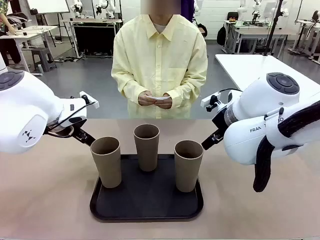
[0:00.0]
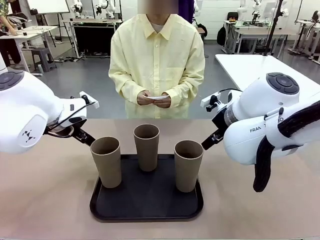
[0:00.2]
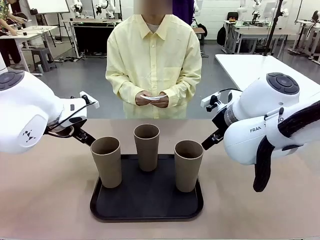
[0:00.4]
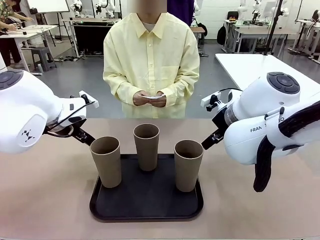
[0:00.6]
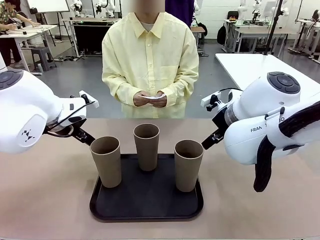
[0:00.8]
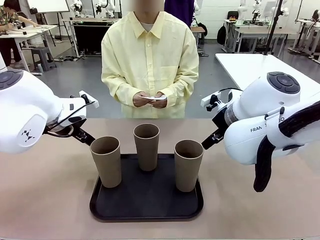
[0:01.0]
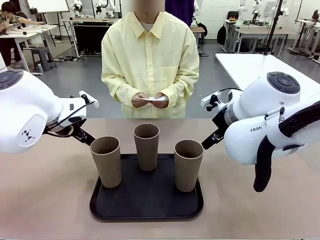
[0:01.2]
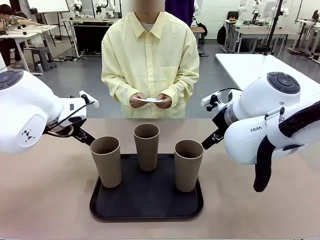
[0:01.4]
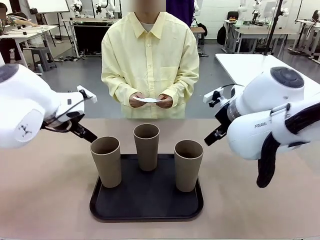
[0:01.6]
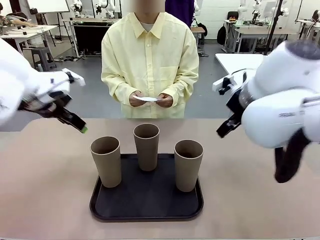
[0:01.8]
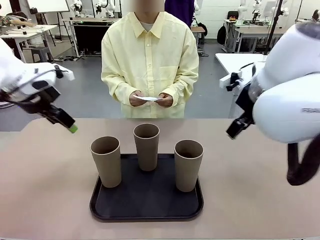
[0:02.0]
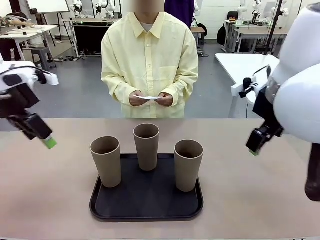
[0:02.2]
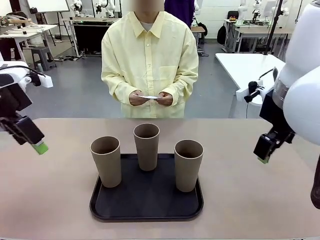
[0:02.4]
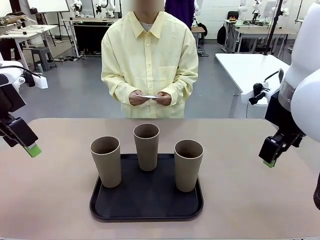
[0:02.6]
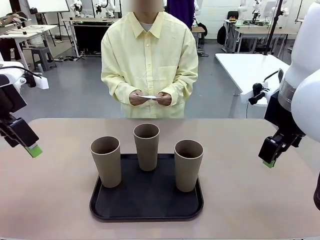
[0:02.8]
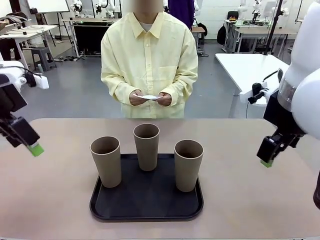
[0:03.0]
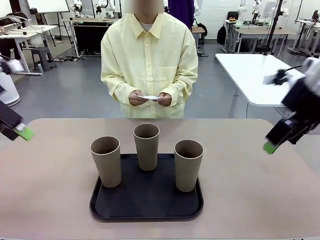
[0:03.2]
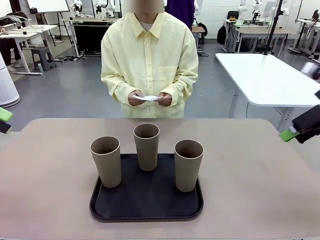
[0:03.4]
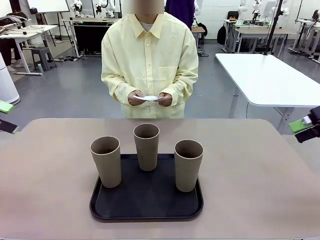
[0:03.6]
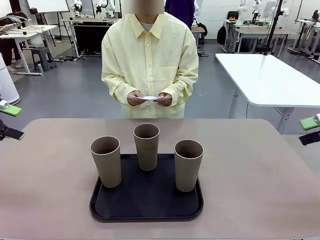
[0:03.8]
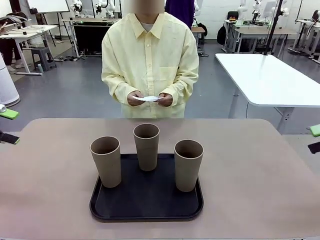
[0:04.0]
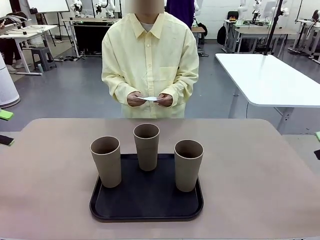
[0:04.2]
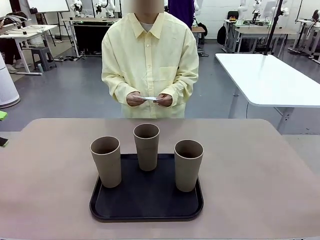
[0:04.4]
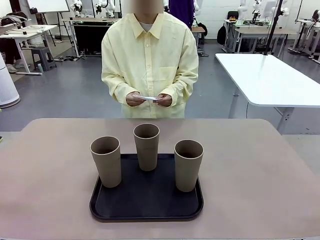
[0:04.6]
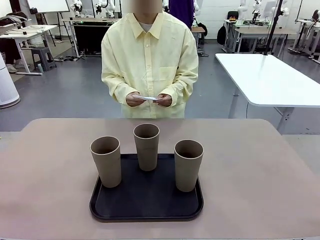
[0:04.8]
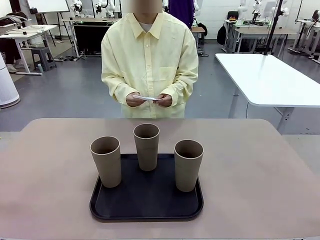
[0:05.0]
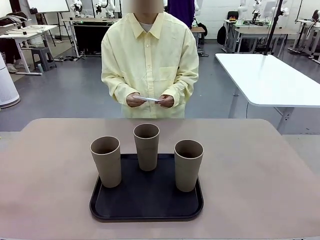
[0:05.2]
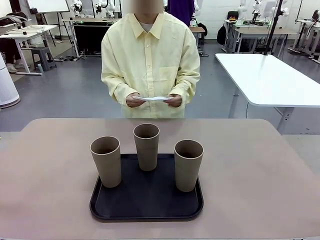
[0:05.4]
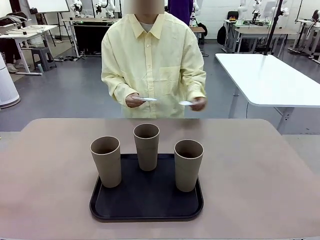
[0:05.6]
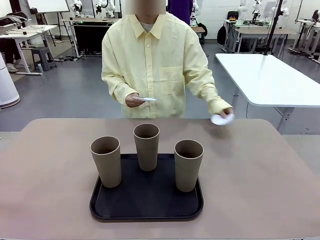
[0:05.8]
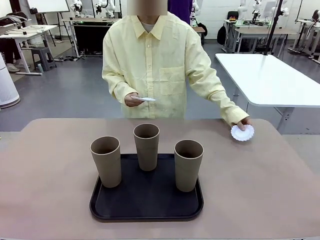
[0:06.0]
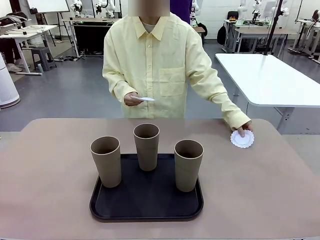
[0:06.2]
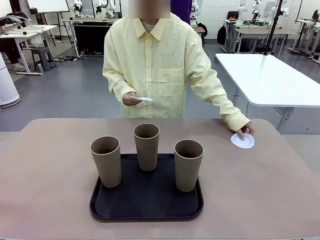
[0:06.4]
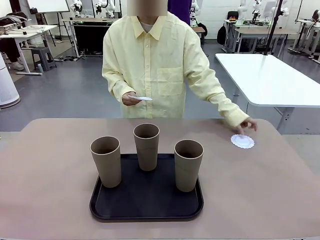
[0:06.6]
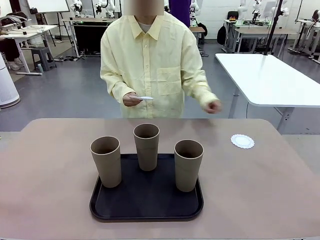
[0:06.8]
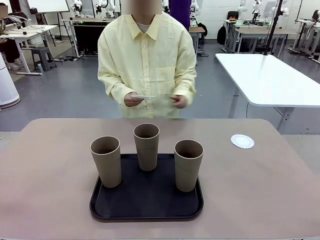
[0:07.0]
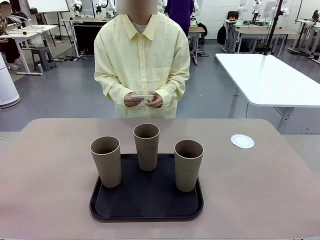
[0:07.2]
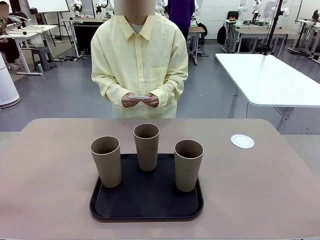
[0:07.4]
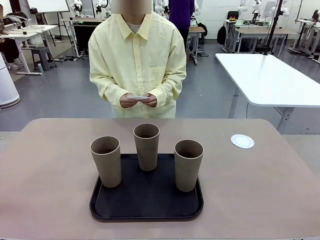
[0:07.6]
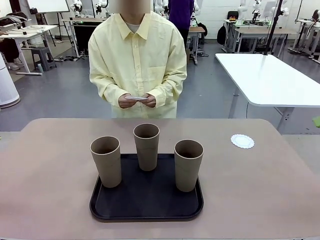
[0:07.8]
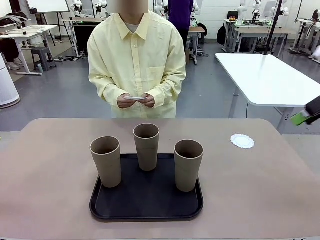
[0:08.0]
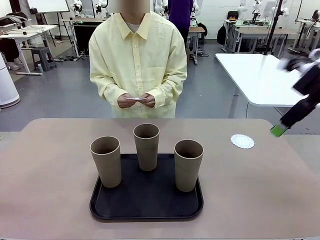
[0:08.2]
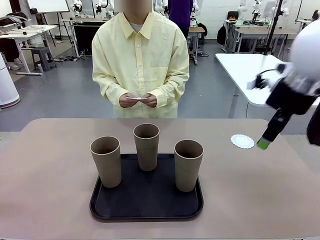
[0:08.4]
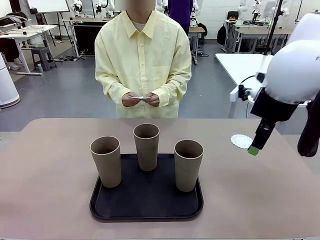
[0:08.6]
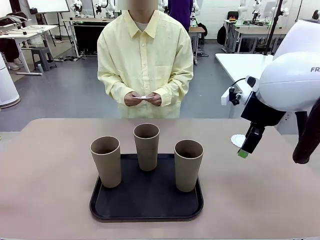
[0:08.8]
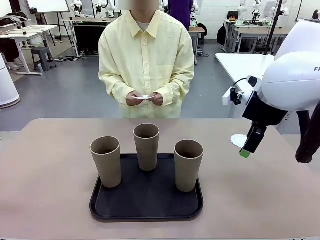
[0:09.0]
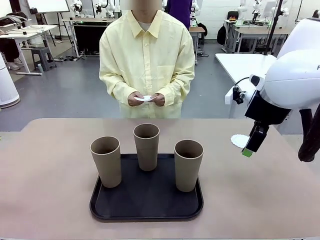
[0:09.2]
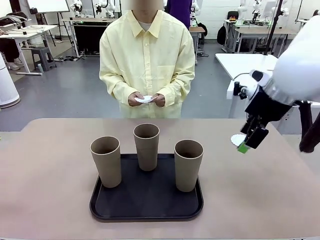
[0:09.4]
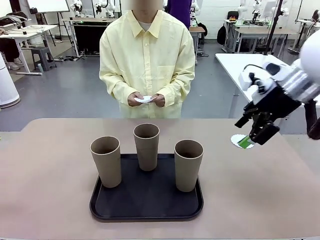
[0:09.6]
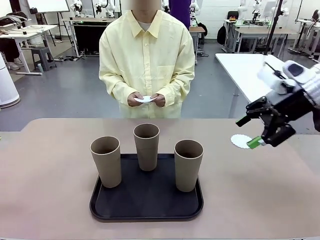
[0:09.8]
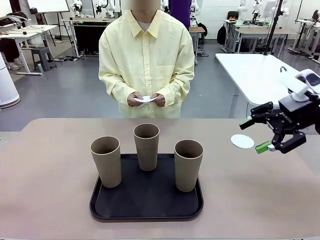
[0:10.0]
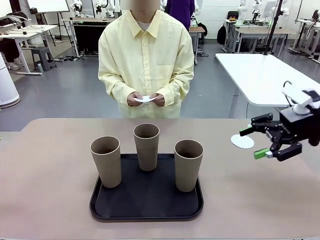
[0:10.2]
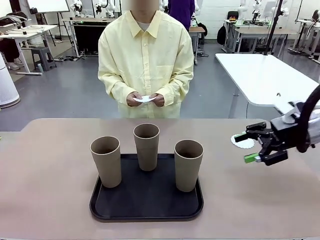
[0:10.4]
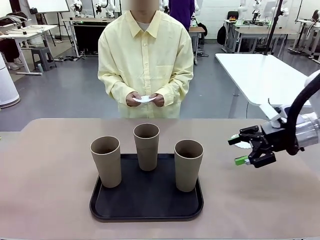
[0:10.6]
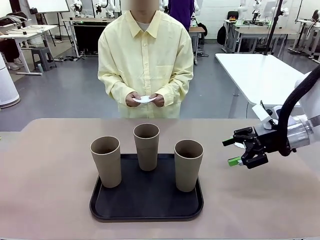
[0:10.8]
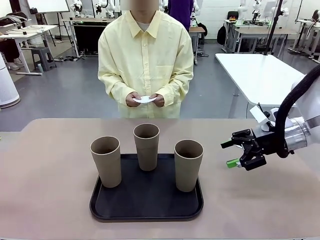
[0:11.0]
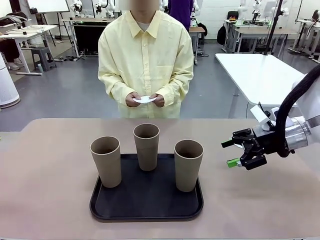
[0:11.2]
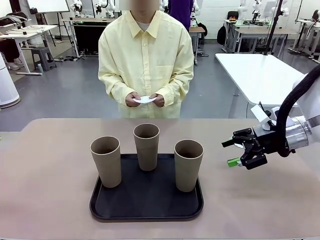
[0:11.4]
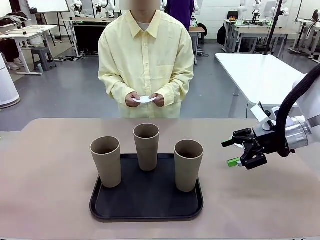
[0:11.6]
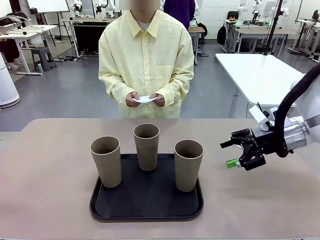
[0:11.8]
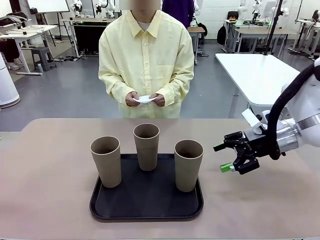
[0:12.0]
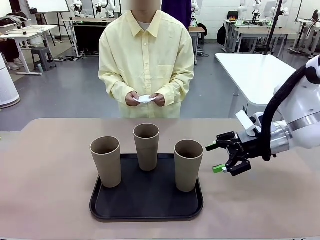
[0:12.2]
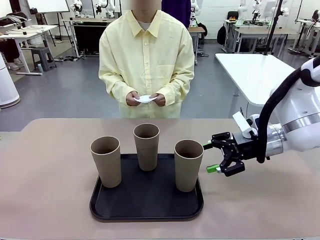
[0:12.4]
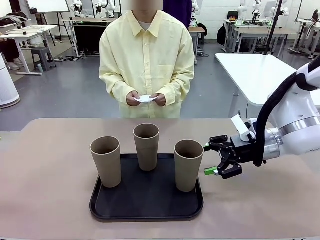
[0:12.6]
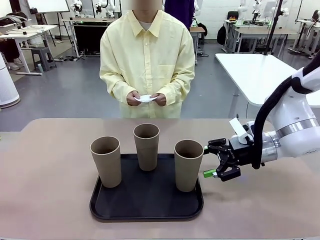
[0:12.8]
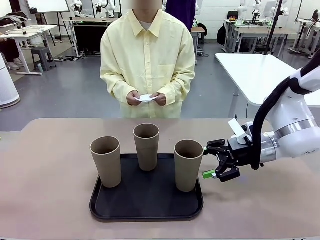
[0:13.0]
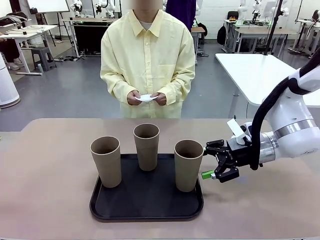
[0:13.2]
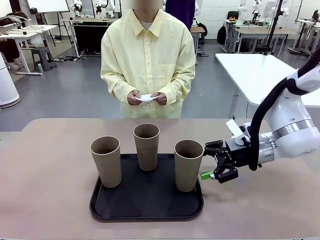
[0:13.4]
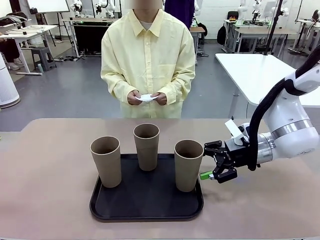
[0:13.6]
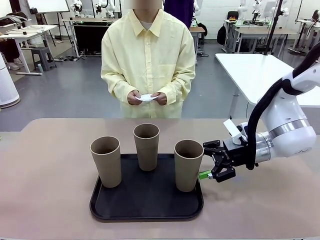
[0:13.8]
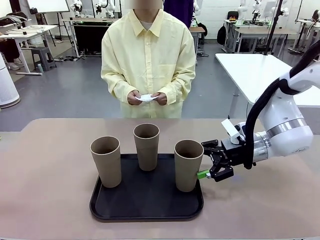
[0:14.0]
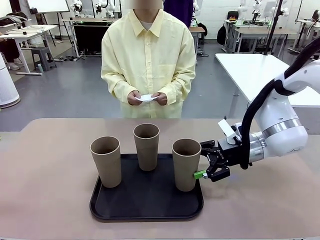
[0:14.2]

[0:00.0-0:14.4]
Task: Place coasters on the table and set cups on them.
Robot: Pick up one Reusable plastic cup and place it on a coaster set by the human.
Person: Place one coaster in any one of the three lower areas of the robot table (left, center, or right).

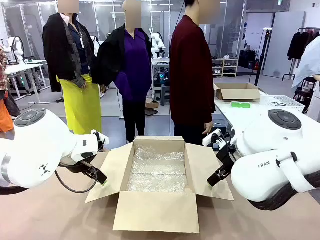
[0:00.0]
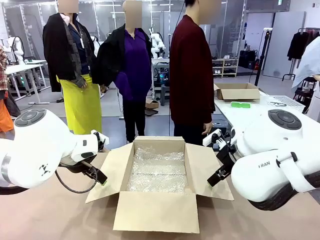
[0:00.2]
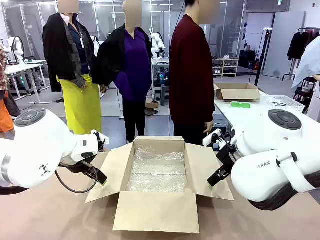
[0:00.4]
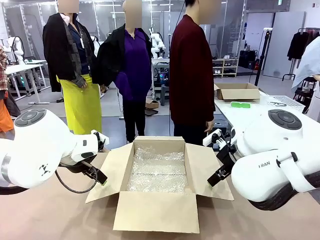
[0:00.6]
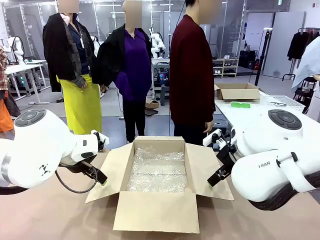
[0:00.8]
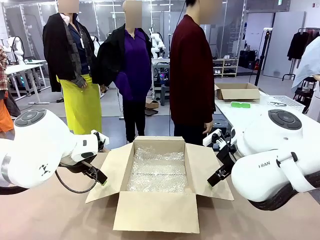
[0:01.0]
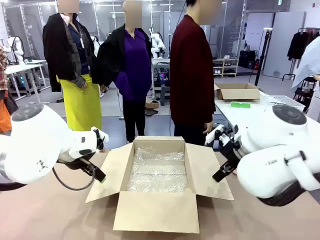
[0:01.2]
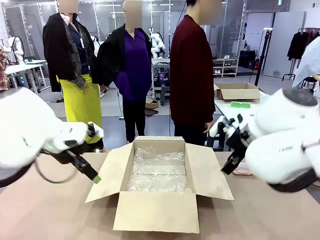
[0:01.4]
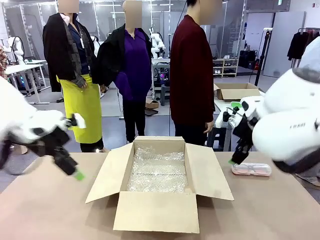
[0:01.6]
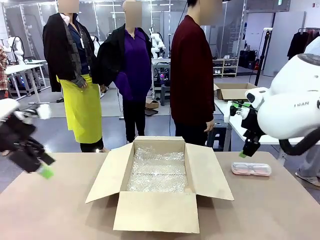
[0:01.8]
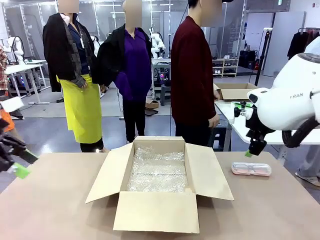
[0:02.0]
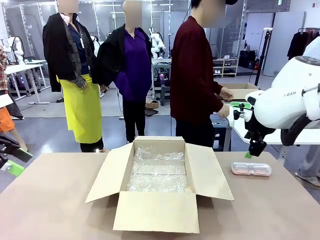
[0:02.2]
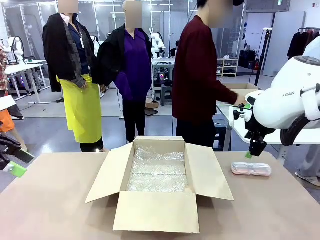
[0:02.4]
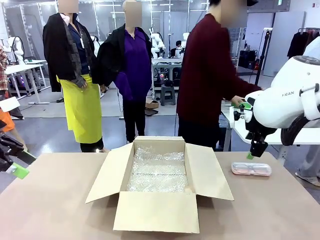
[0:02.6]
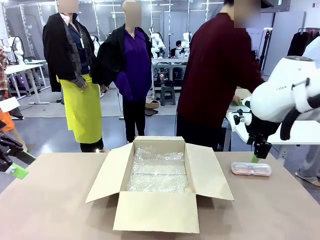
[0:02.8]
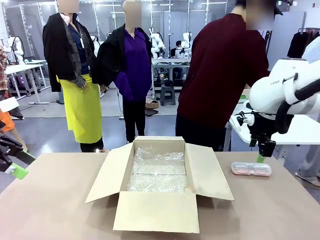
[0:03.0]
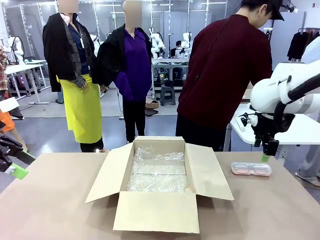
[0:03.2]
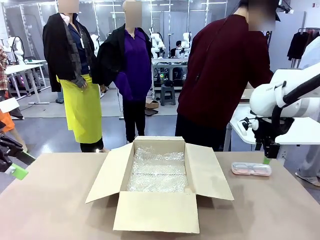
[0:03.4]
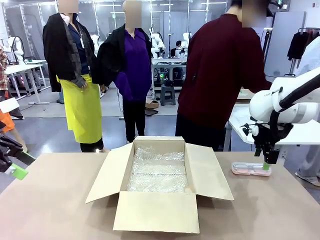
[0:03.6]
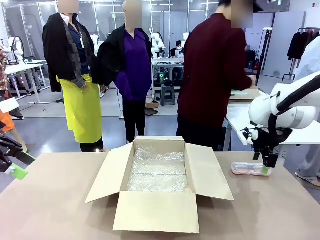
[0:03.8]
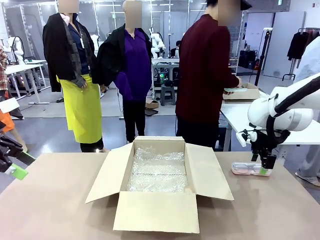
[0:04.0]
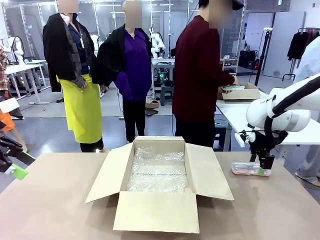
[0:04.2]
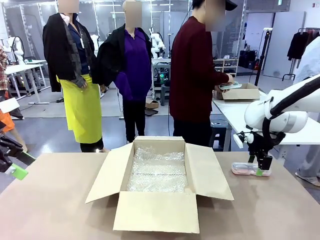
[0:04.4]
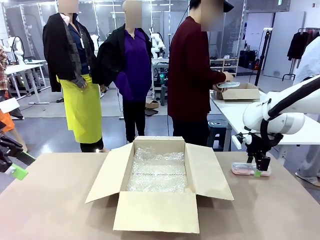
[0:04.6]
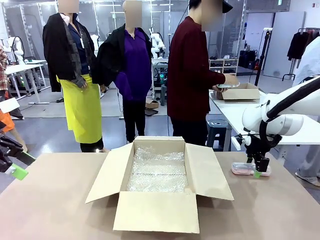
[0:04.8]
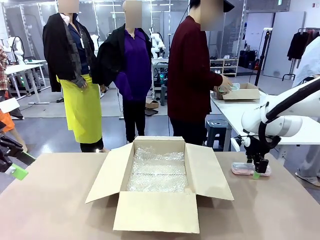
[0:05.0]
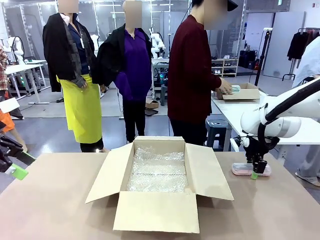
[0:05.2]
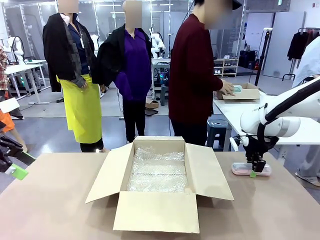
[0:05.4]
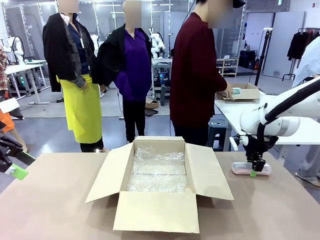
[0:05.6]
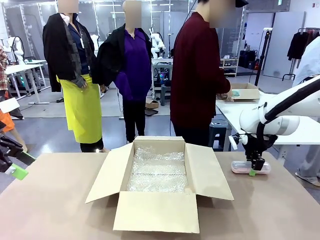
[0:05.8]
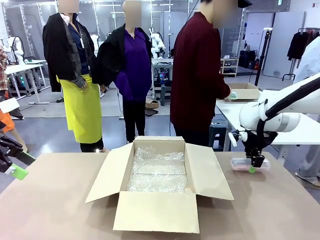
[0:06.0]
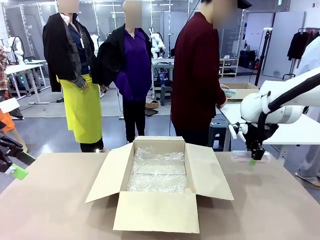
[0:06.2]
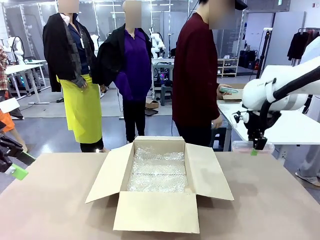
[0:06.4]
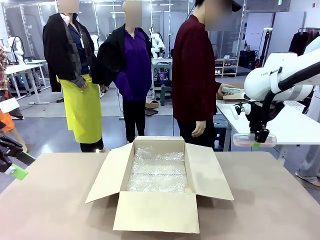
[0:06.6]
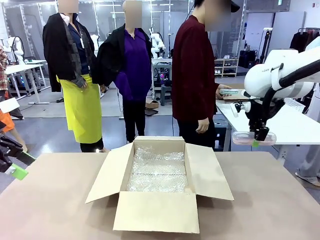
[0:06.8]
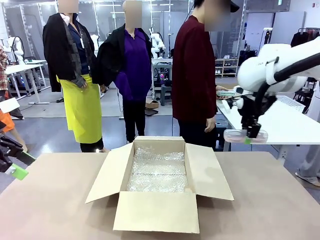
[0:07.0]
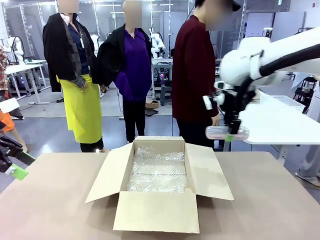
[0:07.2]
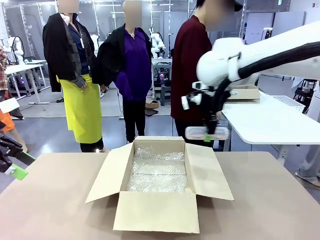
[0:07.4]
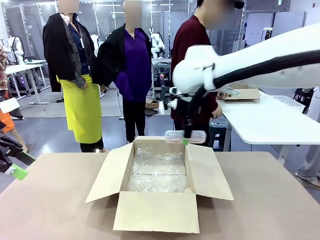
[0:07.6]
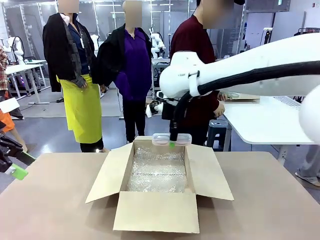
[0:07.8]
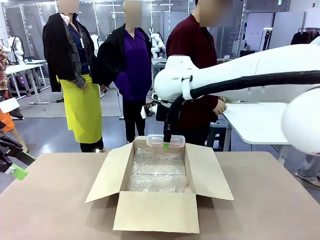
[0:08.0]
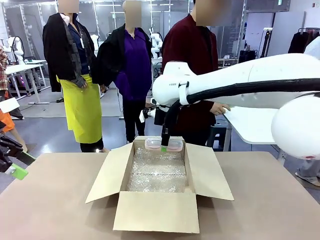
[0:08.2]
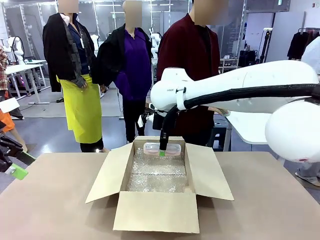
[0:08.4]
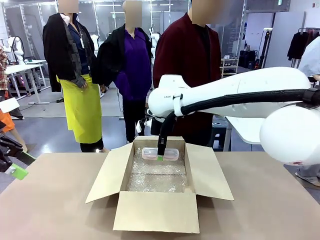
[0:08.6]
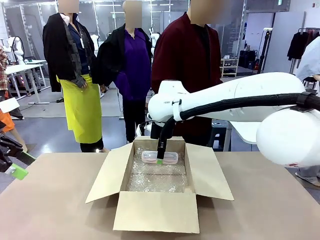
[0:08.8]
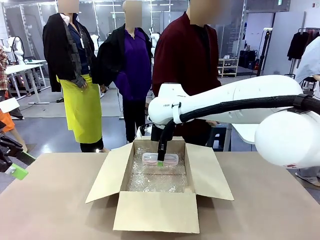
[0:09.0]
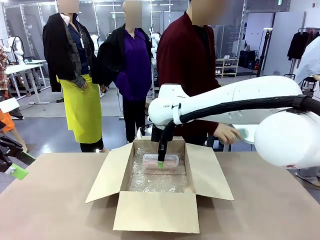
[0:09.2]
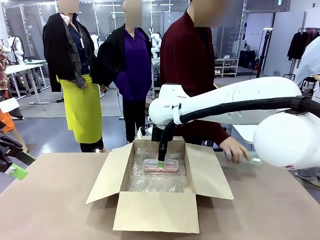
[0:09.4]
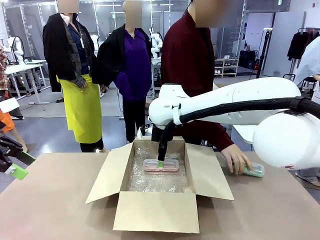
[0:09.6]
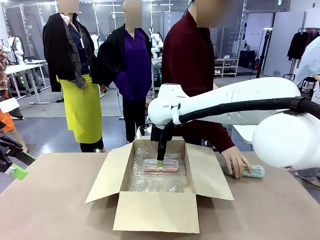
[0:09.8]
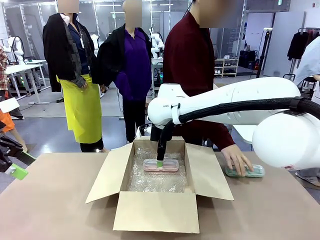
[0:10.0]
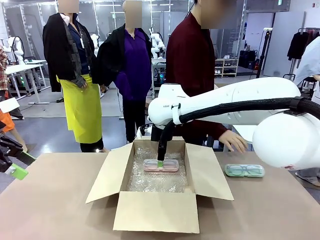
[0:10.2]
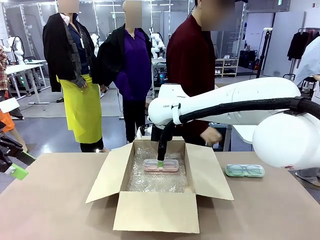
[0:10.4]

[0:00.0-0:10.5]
Task: Pack the glasses set securely to prepare it for shipping.
Robot: Place the Glasses case inside the Package Box.
Person: Place the Glasses inside the Glasses case. Position the Glasses case on the left side of the robot's table.
